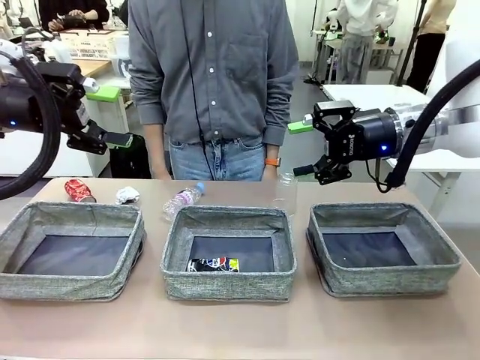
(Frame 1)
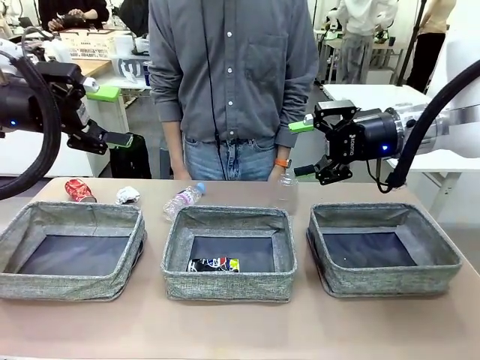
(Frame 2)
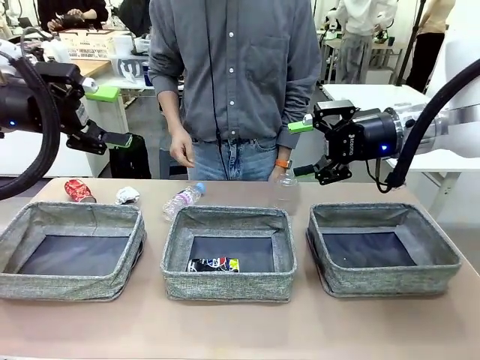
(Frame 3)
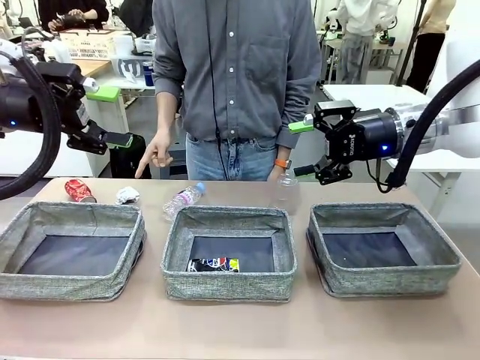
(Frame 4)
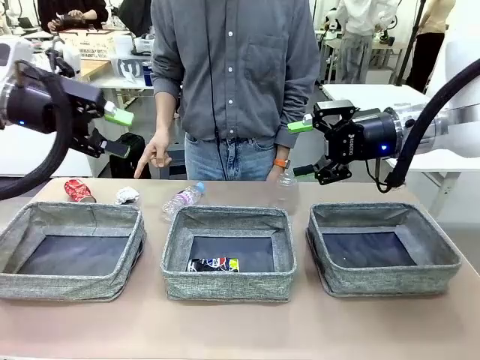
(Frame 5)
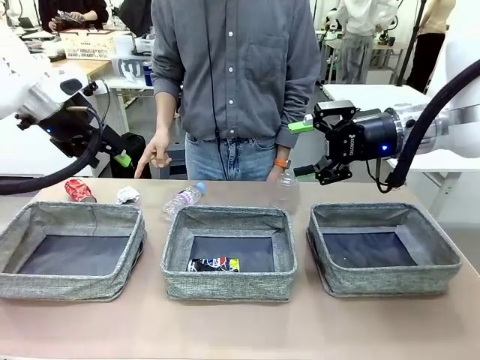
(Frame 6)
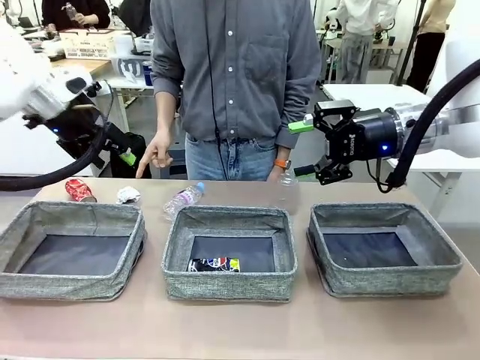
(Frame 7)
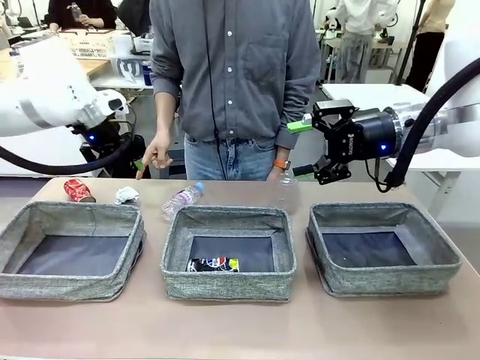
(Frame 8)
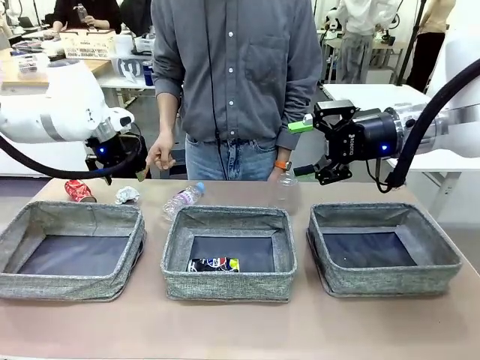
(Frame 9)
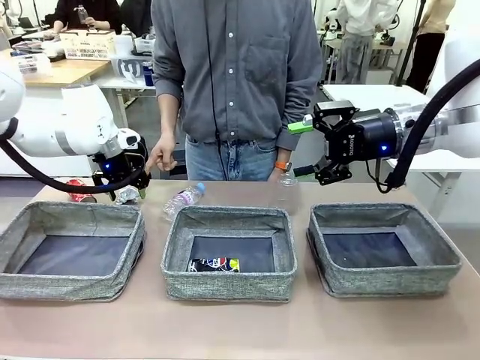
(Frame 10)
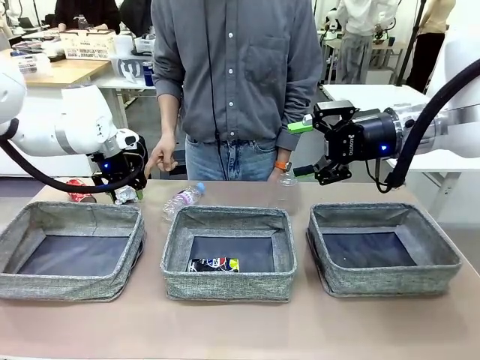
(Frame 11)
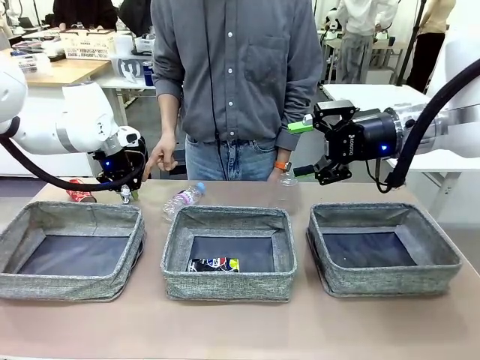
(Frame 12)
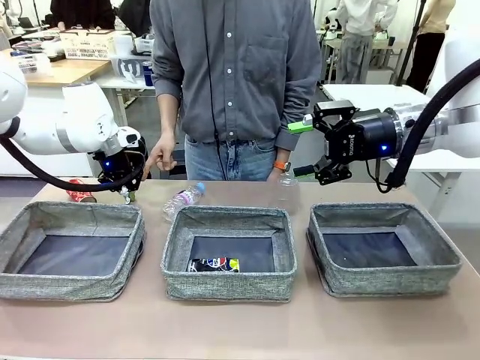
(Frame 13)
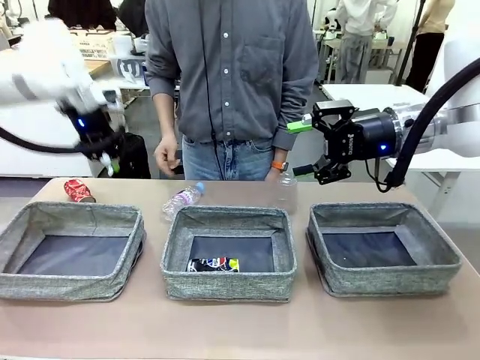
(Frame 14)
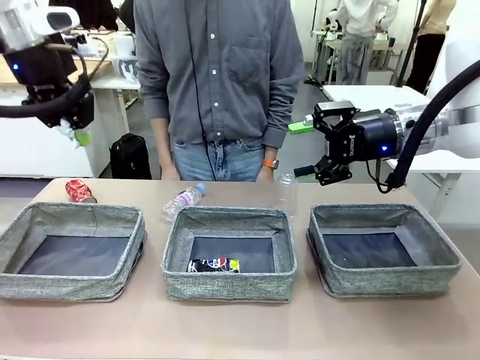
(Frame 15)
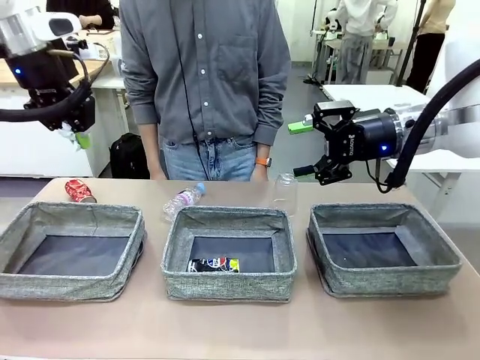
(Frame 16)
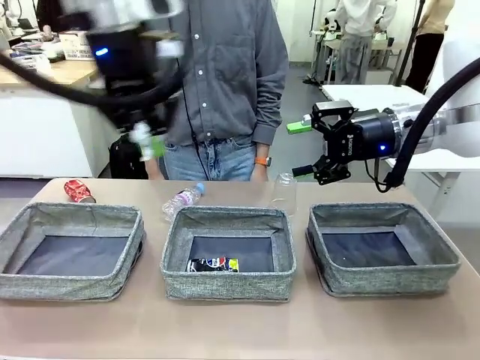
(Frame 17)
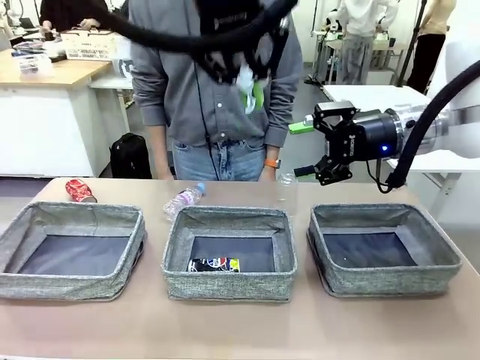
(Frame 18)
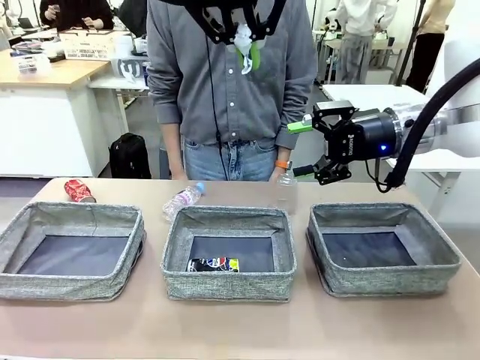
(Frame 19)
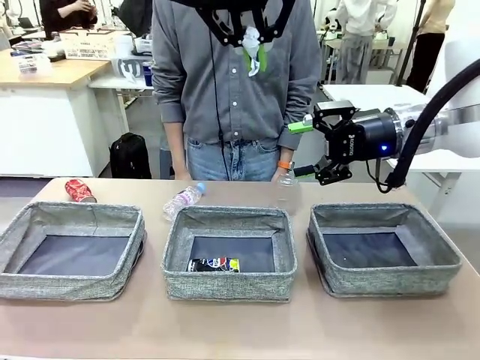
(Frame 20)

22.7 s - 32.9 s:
Task: Sort the waste into the appropriate baskets.
Robot: Pick up the waste item pointed out by the person.
Person: Points to one piece of trash on the table.

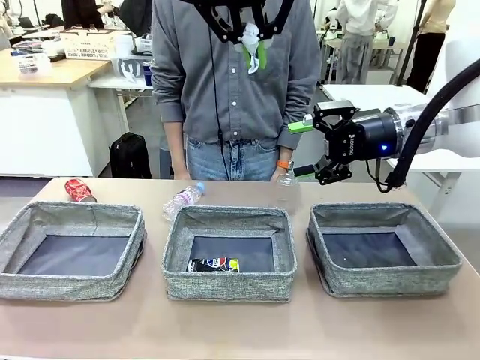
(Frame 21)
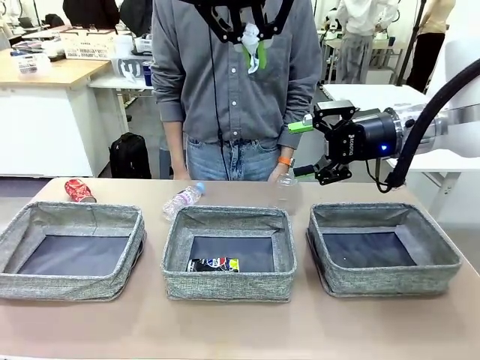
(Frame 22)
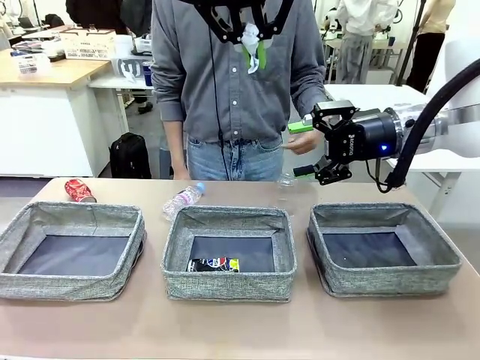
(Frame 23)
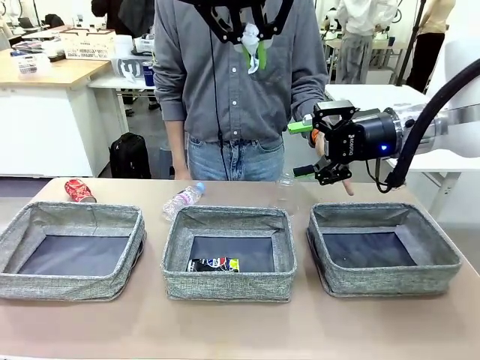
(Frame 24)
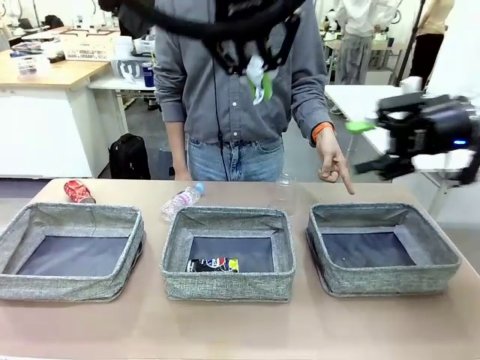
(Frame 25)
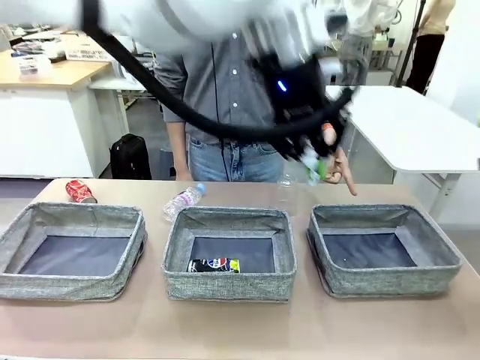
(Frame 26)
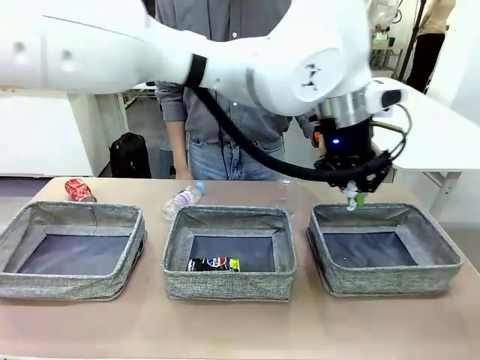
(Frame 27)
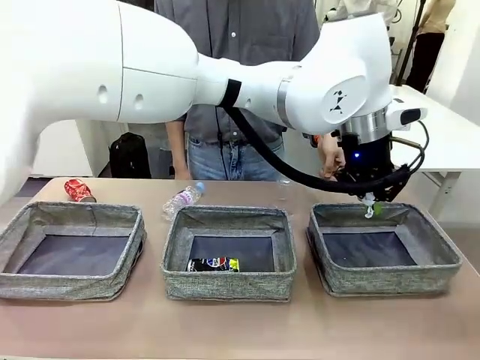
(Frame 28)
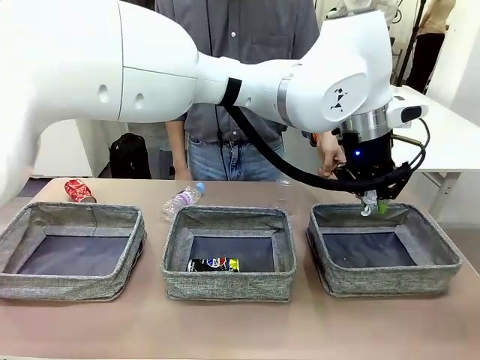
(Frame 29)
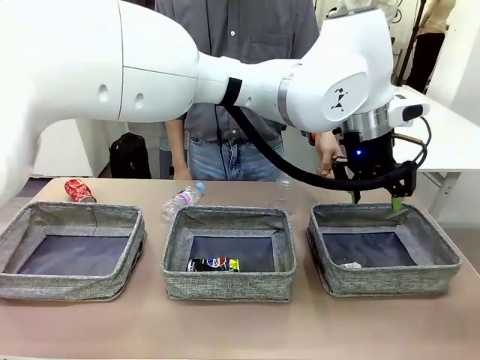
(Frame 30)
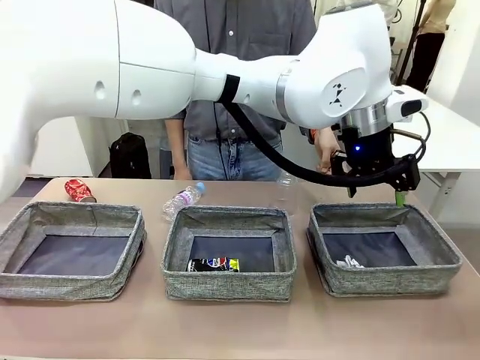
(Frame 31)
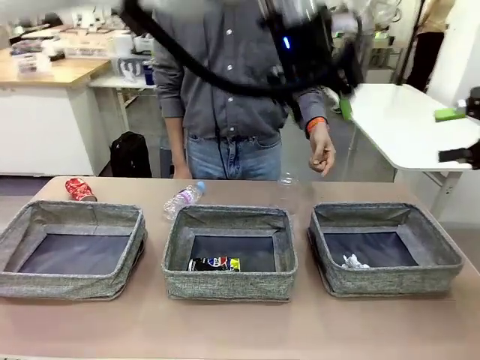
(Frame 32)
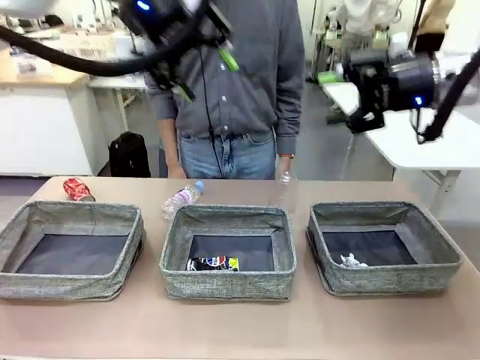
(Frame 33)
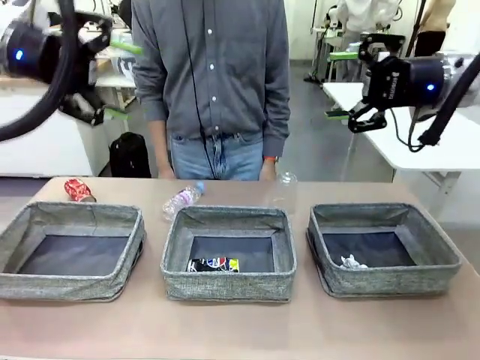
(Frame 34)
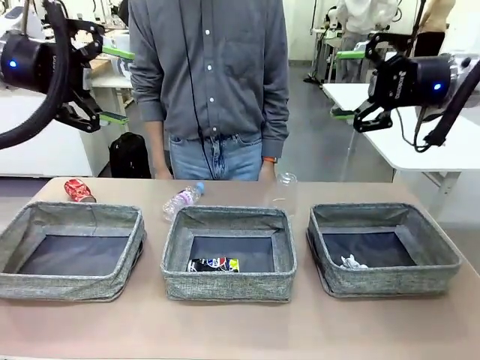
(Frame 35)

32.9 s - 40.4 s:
Robot: Place the picked waste into the Fabric basket indicated by the person.
Person: Instructs the robot to place the picked-up trash into the appropriate organizing basket.

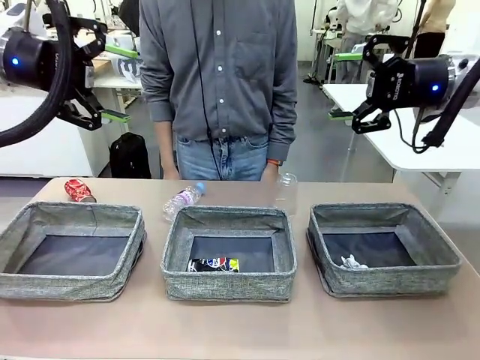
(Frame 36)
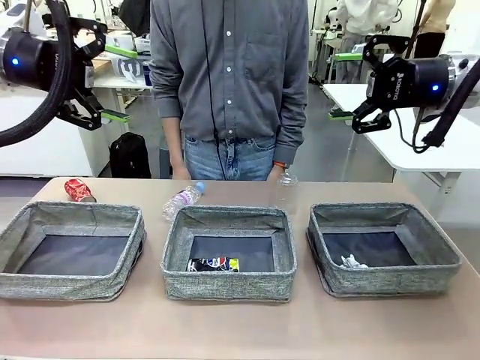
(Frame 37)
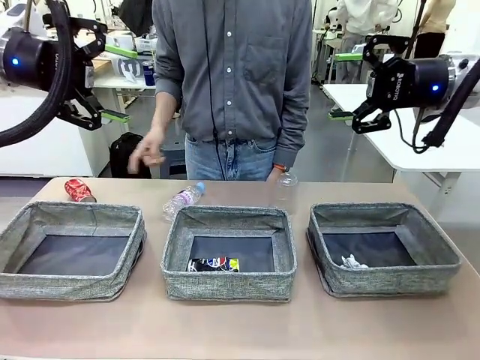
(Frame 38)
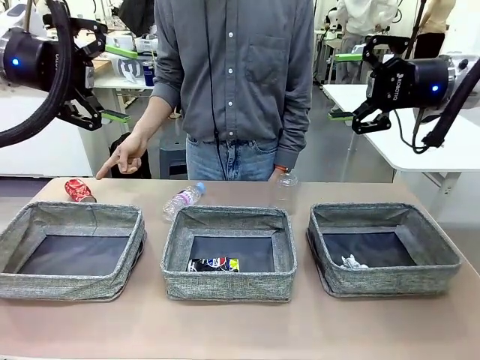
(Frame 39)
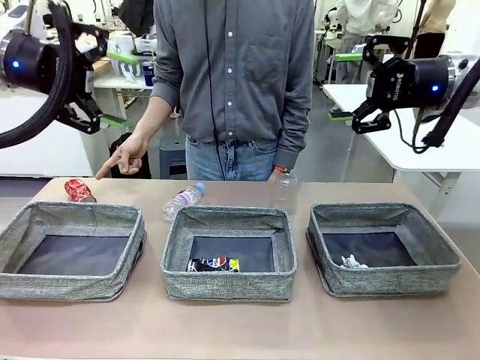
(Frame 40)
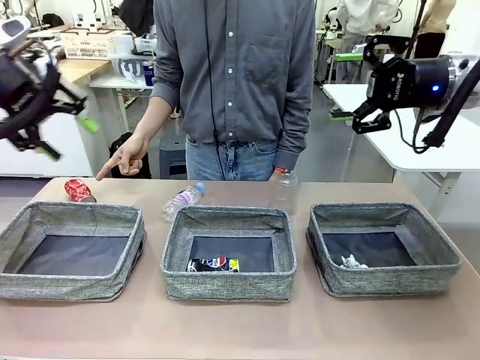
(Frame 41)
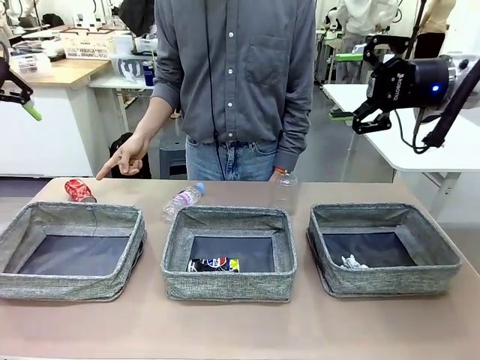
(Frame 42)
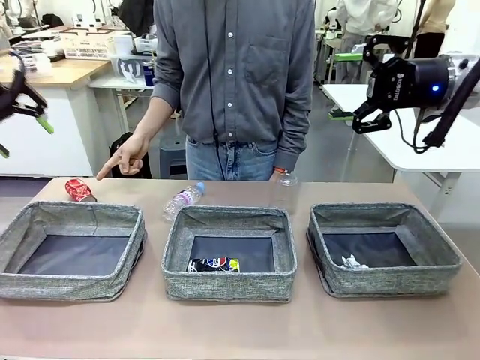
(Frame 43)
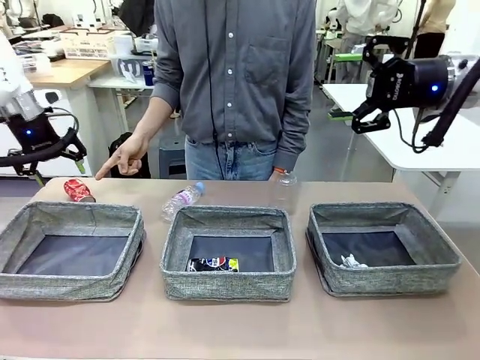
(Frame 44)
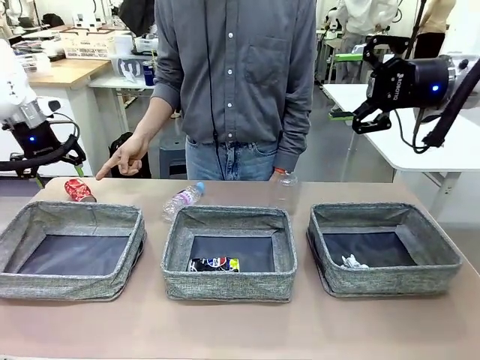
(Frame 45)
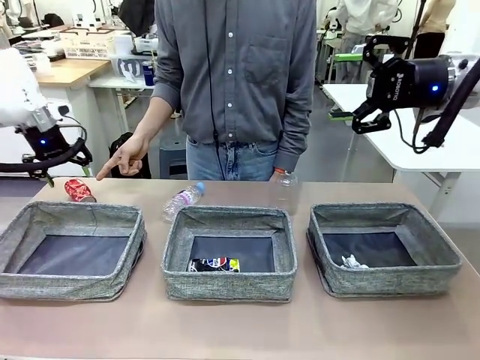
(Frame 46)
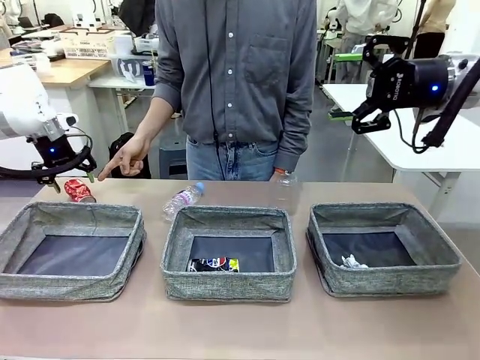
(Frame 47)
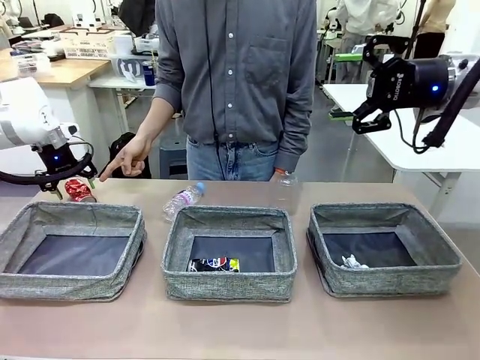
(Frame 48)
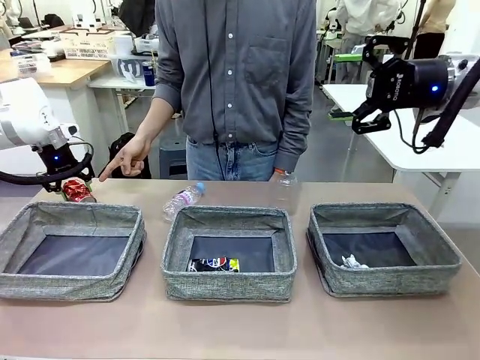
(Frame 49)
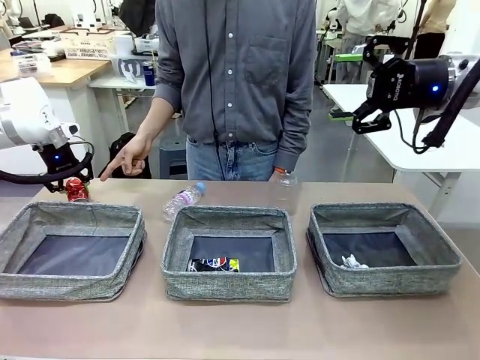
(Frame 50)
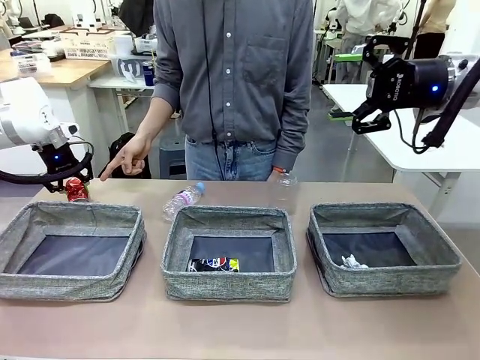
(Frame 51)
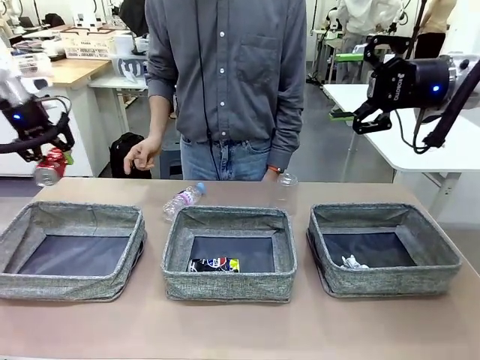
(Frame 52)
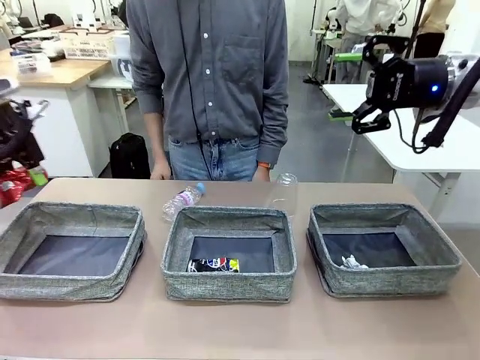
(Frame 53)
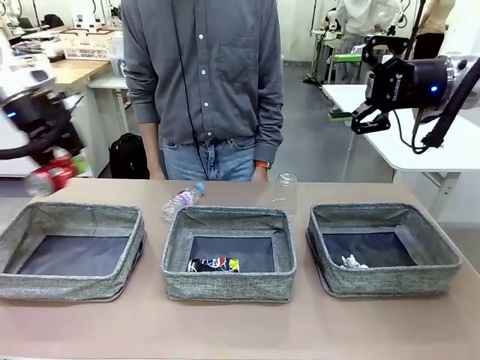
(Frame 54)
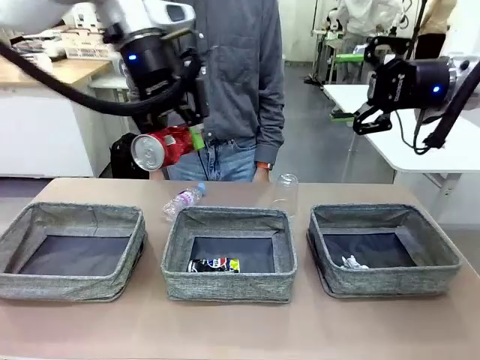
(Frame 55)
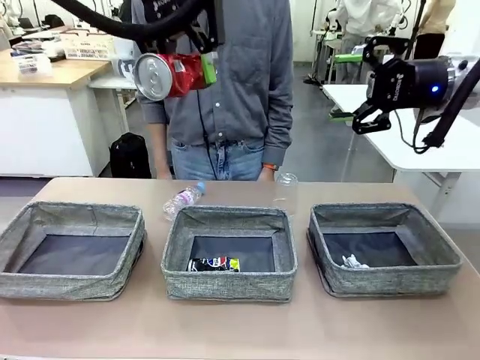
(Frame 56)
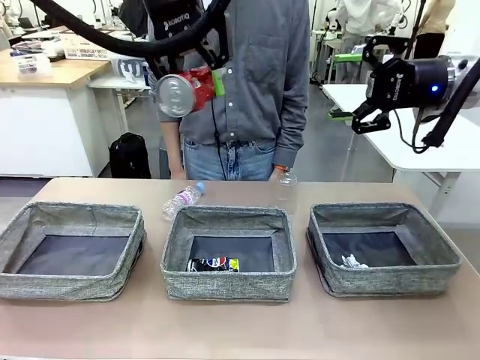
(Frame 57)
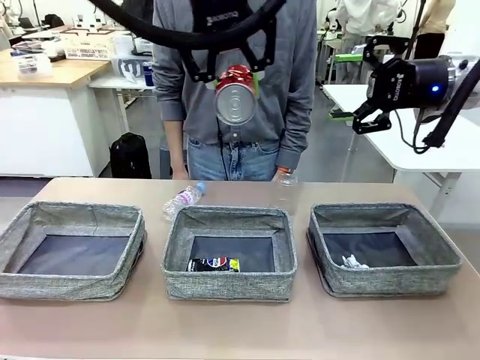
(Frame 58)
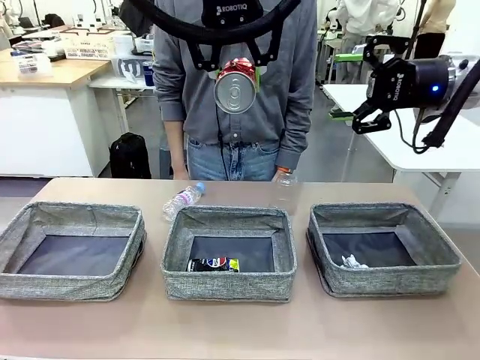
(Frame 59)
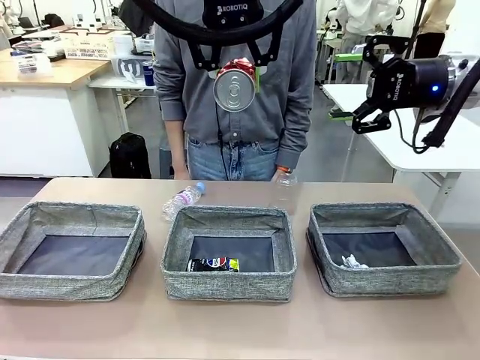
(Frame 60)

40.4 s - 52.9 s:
Robot: Pick up the waste item pointed out by the person.
Person: Points to one piece of trash on the table.
